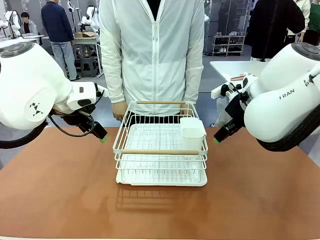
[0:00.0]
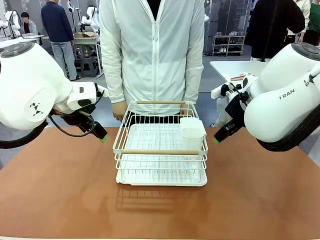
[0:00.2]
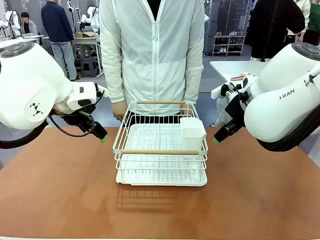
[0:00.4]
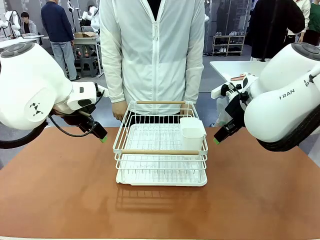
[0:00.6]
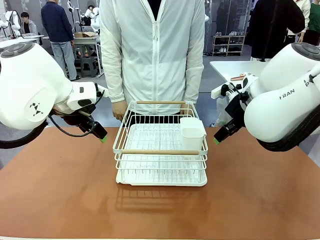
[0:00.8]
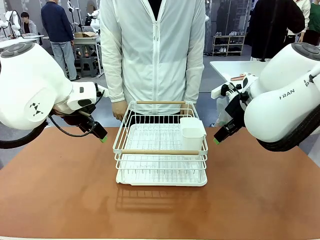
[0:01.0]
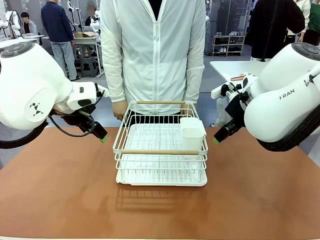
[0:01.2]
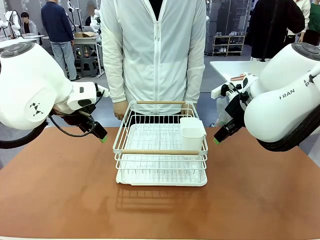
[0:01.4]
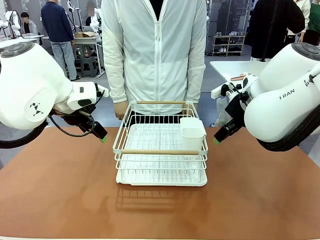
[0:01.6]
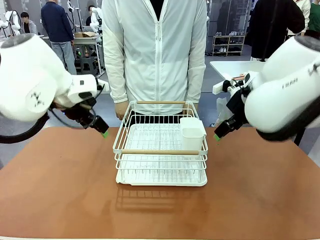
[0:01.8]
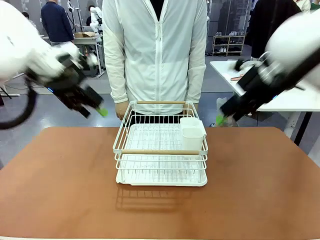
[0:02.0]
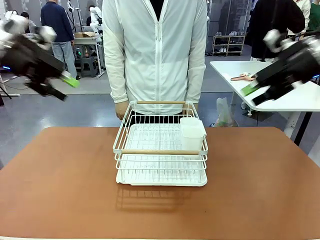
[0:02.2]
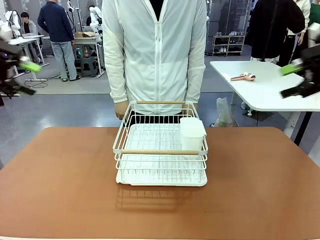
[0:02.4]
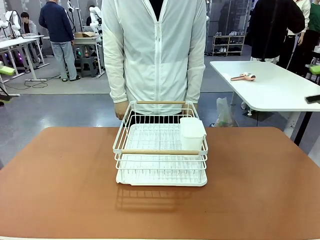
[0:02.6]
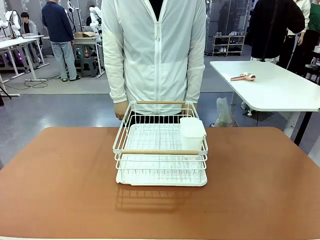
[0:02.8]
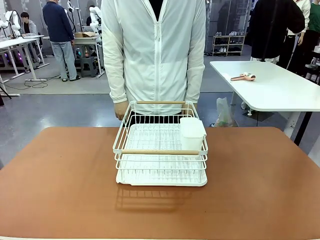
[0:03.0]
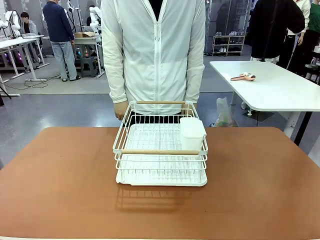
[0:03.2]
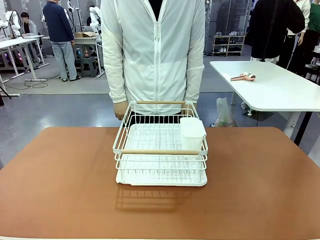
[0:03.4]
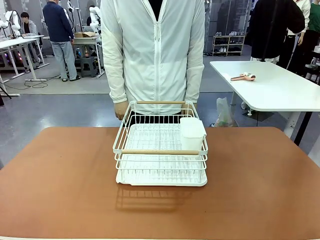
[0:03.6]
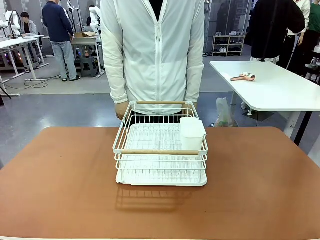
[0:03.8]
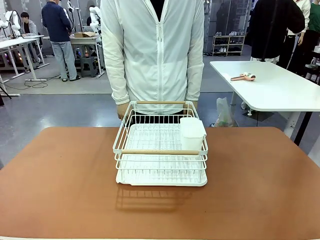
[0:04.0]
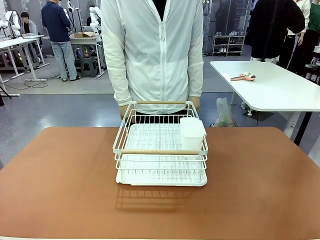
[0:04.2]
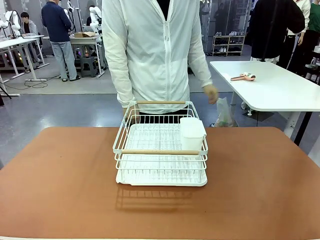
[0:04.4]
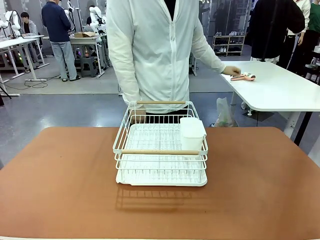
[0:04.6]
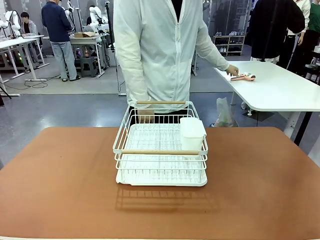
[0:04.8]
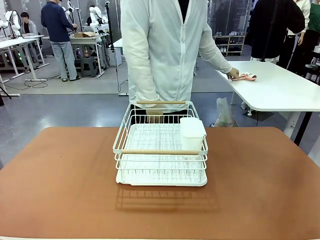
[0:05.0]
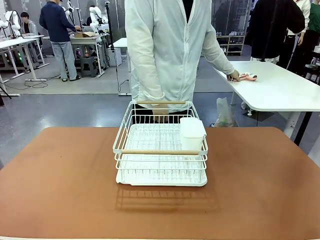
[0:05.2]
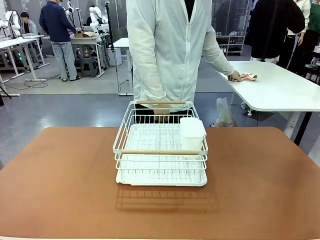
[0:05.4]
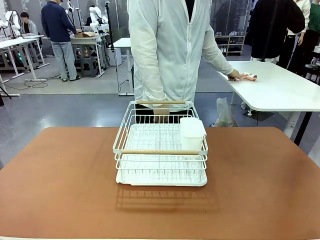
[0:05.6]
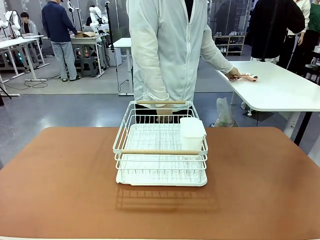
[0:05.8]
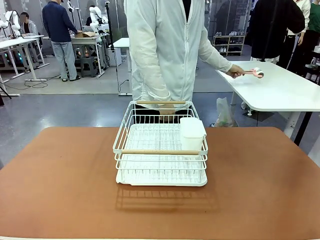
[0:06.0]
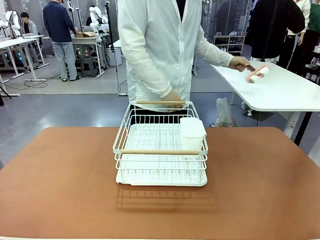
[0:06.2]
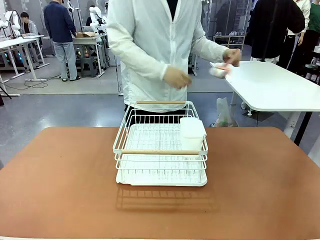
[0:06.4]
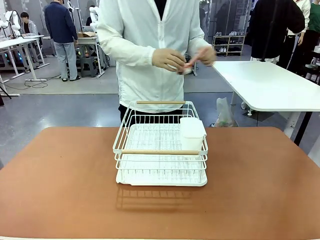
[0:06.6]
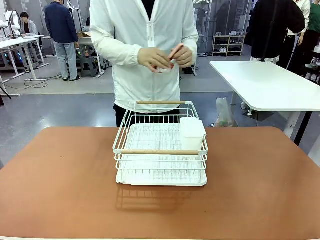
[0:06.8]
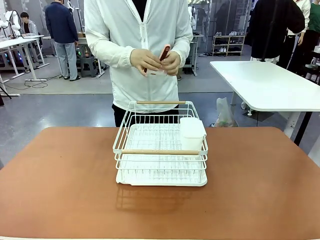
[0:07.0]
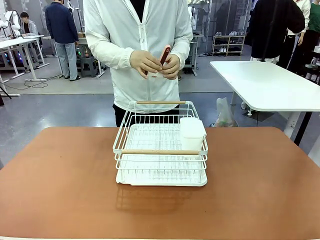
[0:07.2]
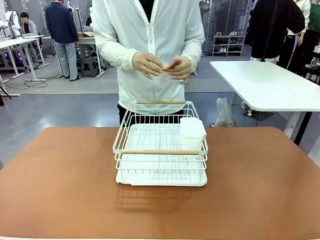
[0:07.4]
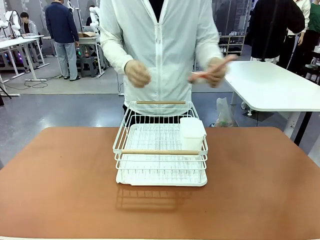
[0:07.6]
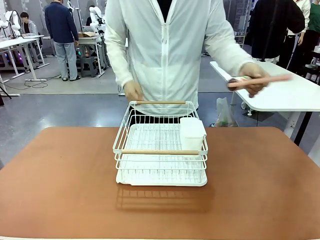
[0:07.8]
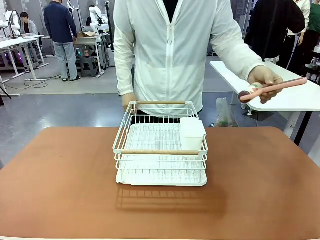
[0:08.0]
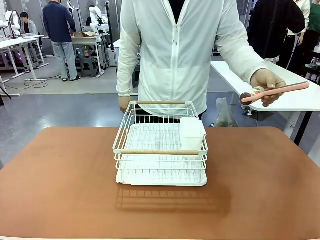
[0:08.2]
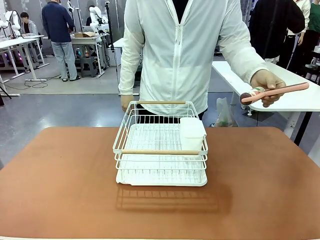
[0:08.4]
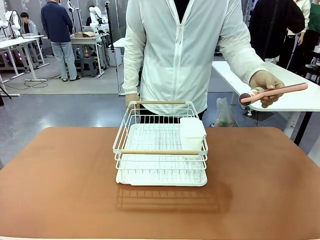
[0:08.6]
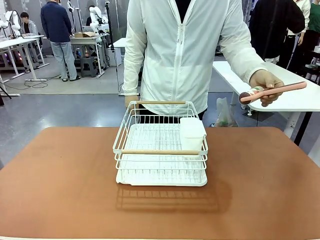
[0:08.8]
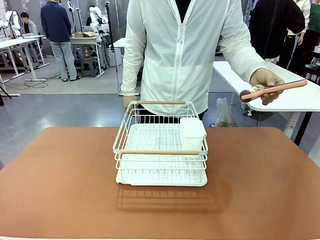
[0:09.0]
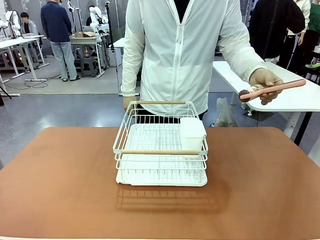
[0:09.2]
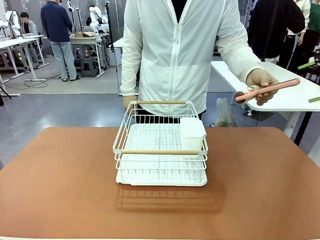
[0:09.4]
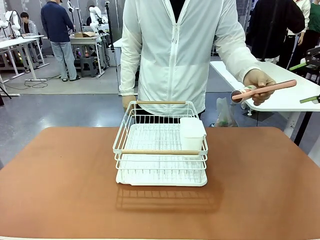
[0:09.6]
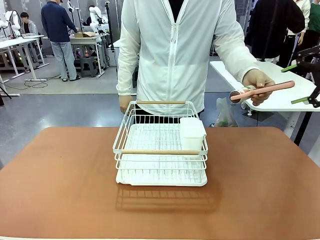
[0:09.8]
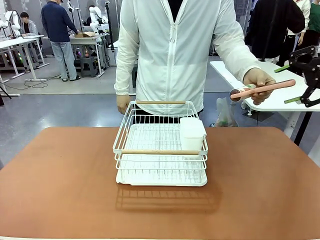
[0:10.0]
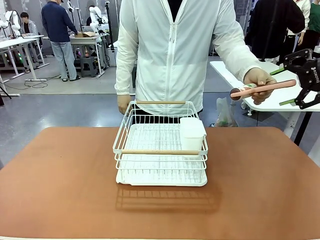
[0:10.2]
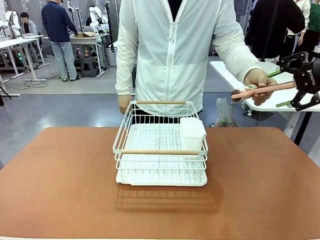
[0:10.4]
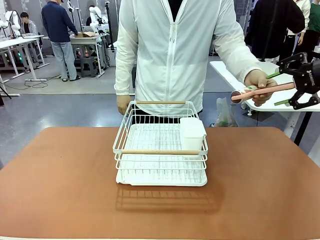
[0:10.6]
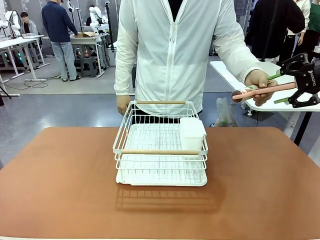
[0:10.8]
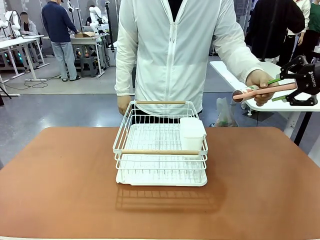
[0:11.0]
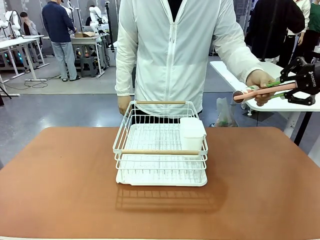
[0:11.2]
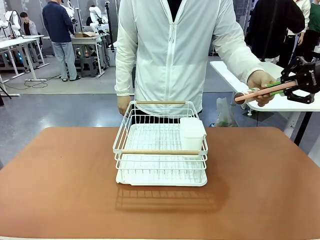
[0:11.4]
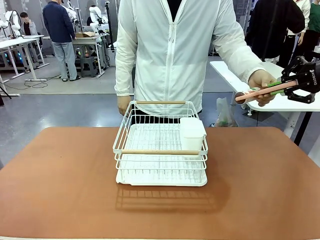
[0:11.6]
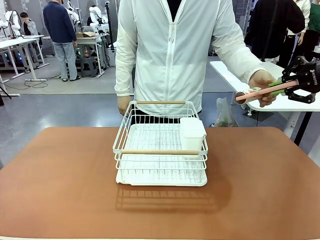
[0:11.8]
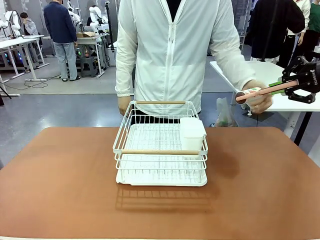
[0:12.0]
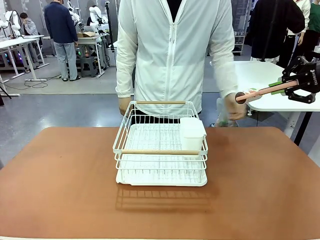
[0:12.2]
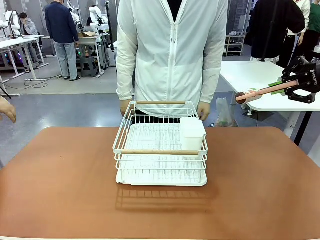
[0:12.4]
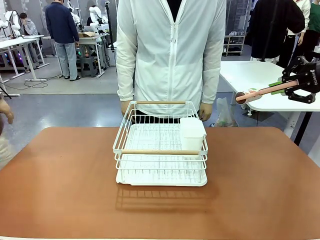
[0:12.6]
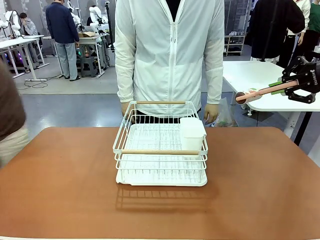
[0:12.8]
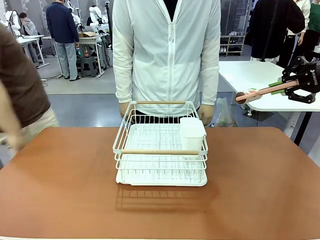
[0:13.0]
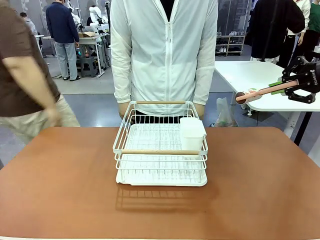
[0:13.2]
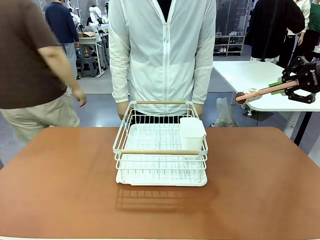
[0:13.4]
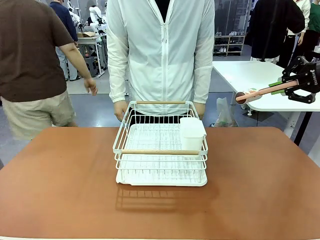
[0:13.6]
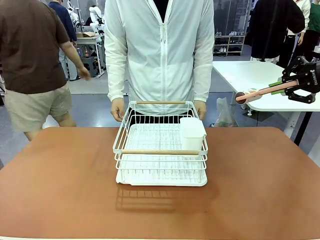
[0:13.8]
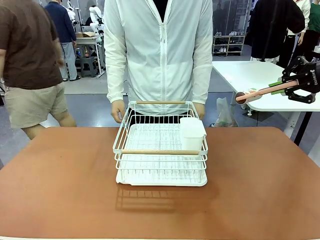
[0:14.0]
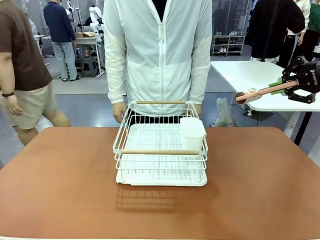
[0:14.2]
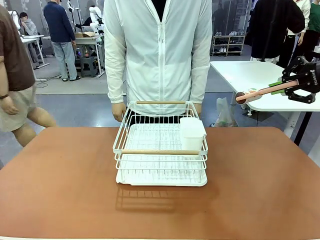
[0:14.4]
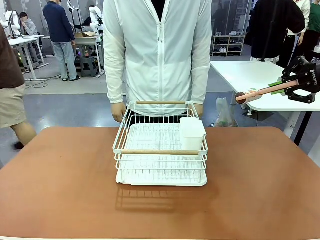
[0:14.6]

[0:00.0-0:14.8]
Task: Clean the table.
Robot: Pick up the Lint Roller when the human hands it over.
Person: Hand the Lint Roller to the robot so it can easily pick it up. Lift the Dish drying rack.
